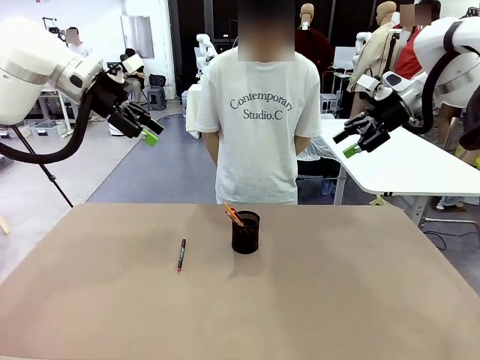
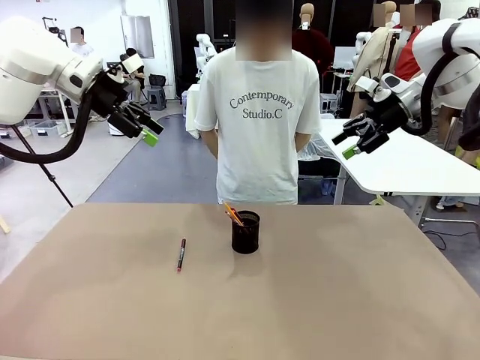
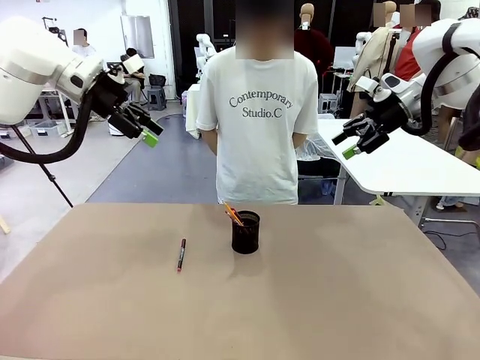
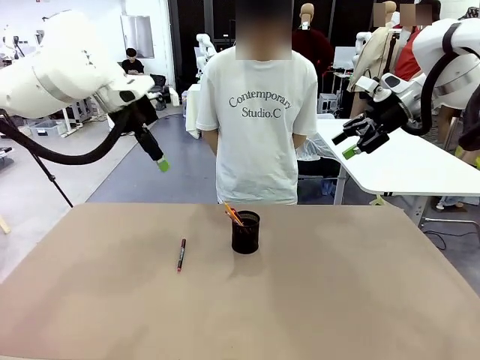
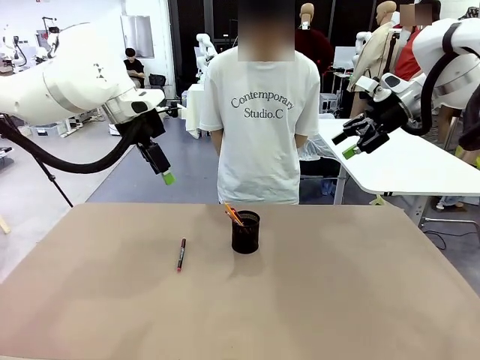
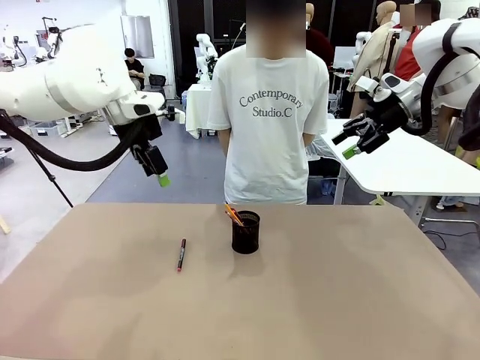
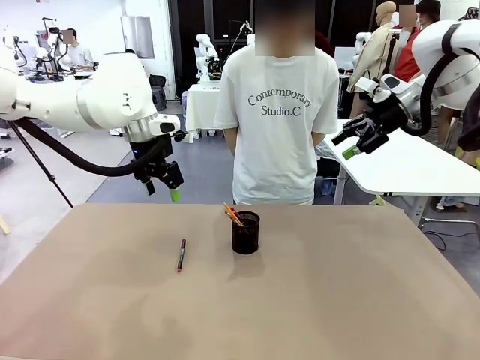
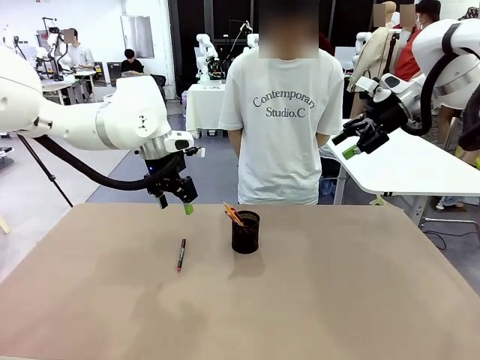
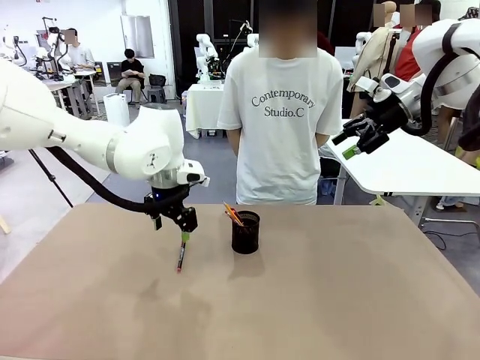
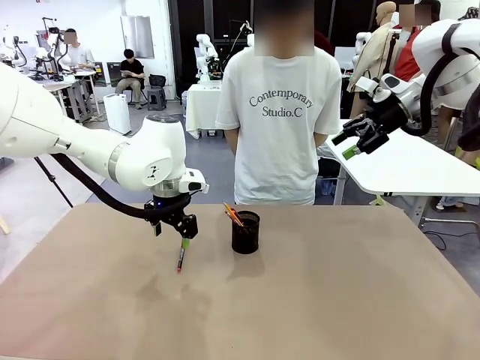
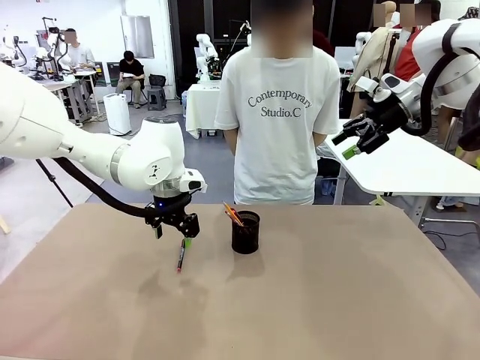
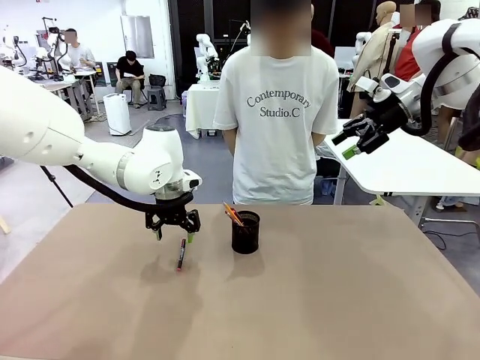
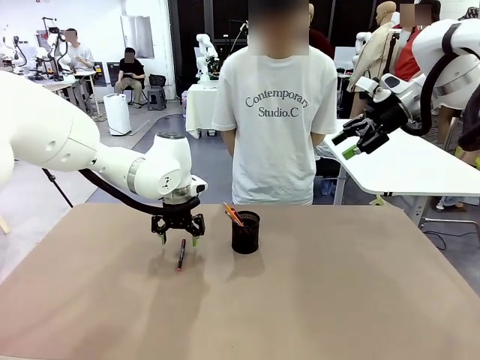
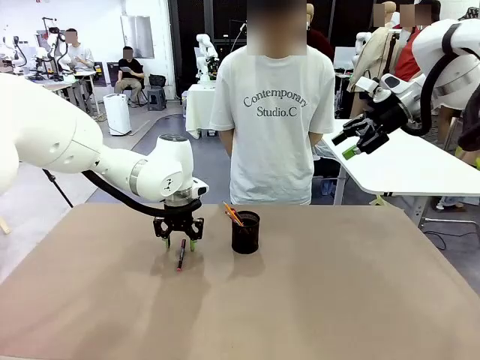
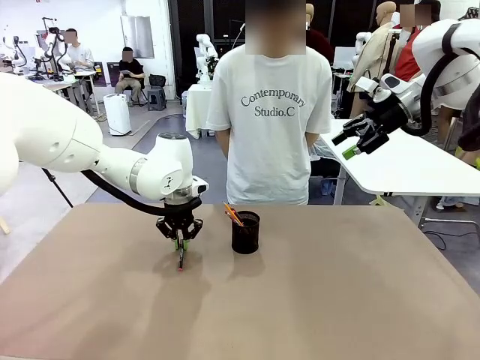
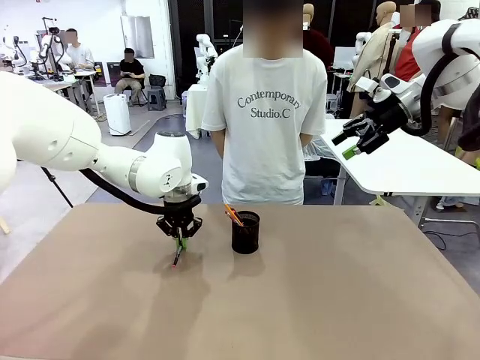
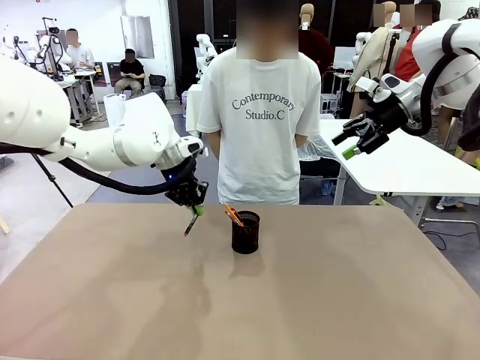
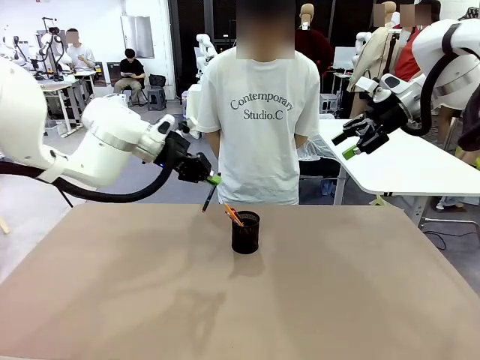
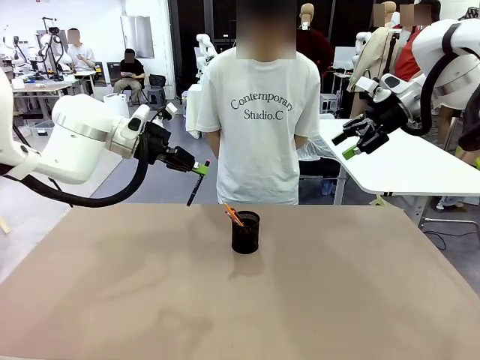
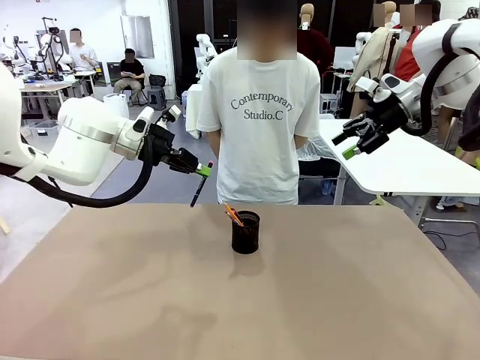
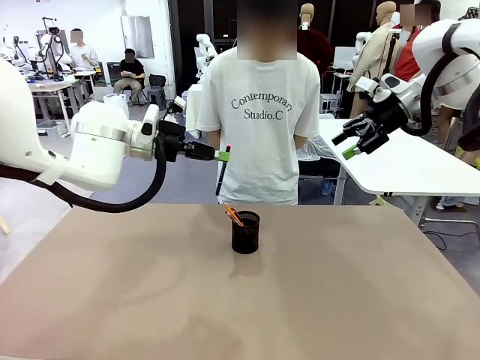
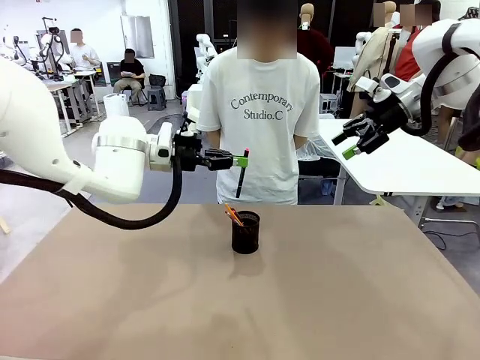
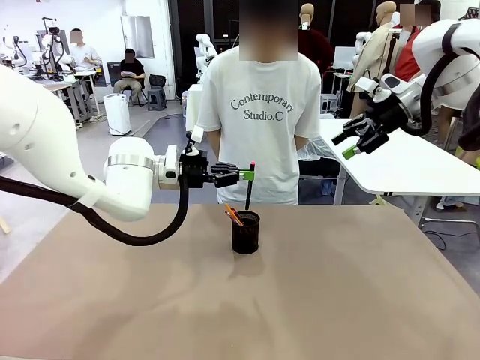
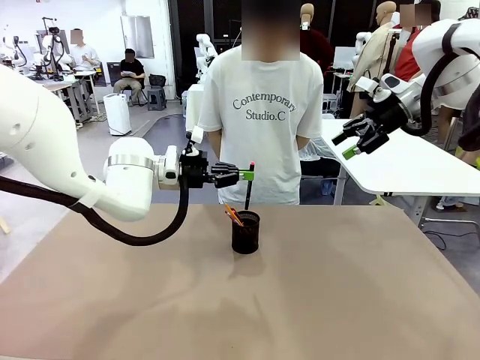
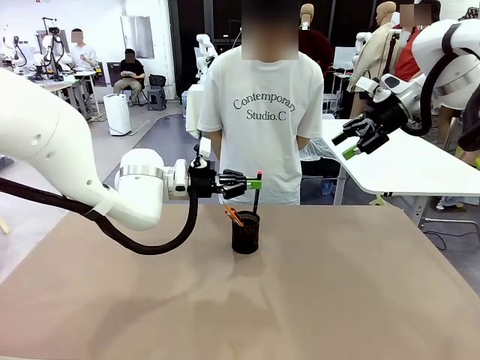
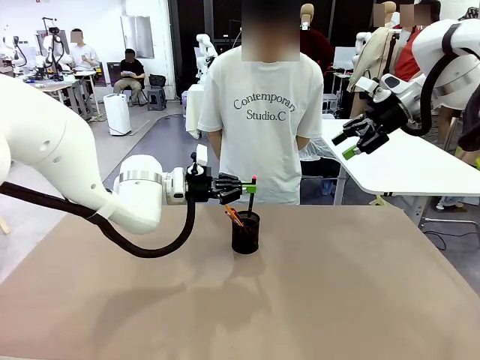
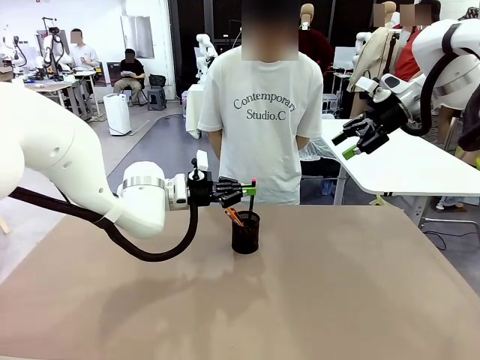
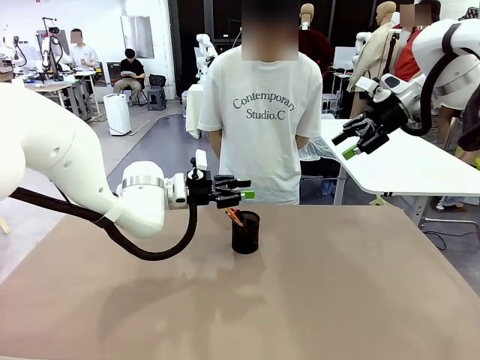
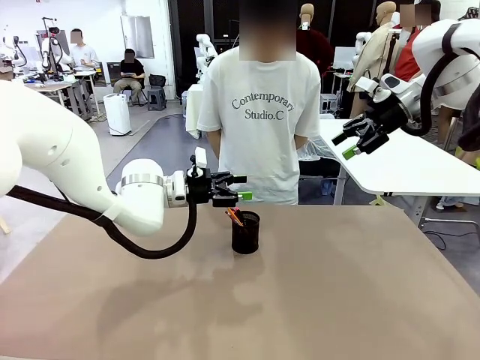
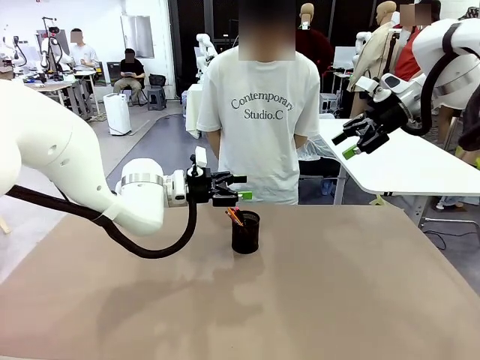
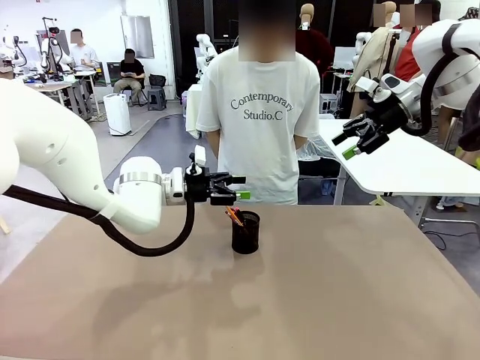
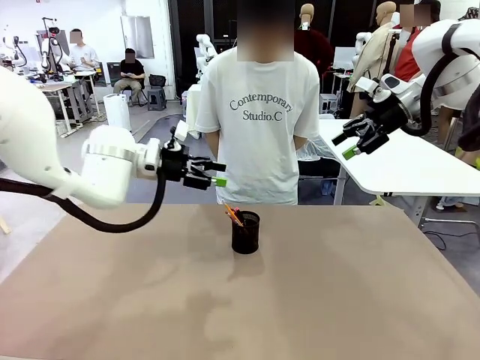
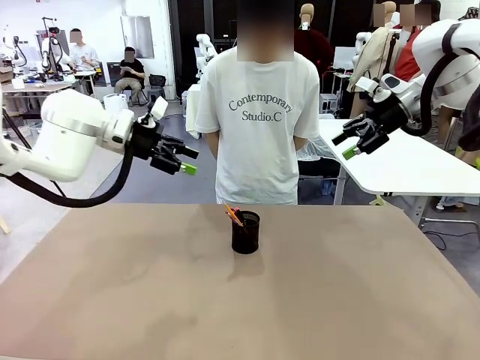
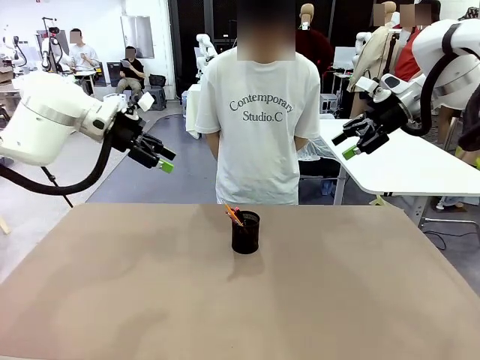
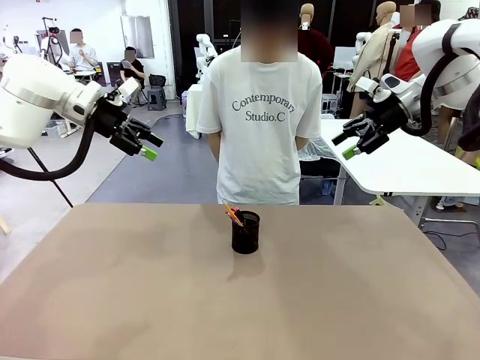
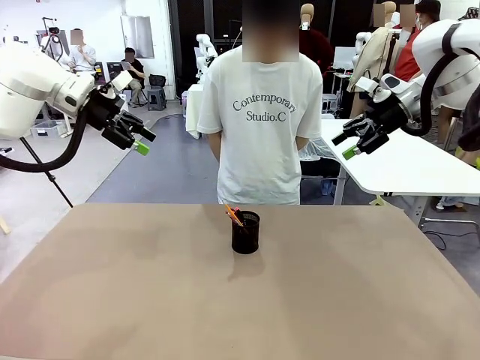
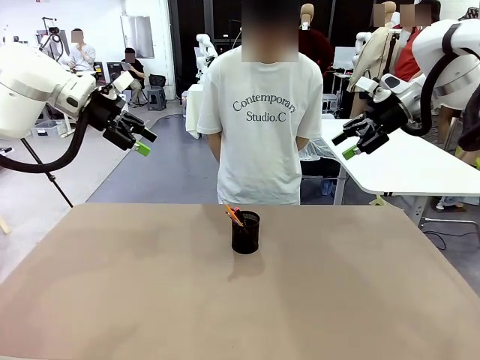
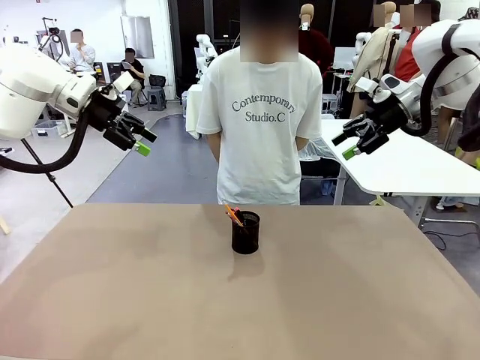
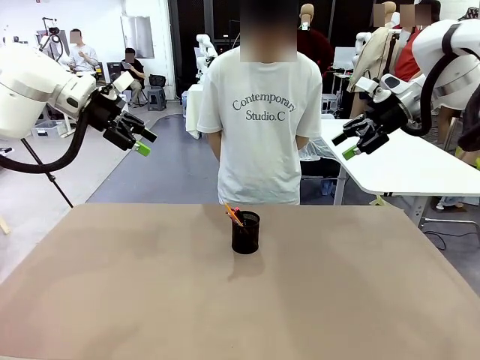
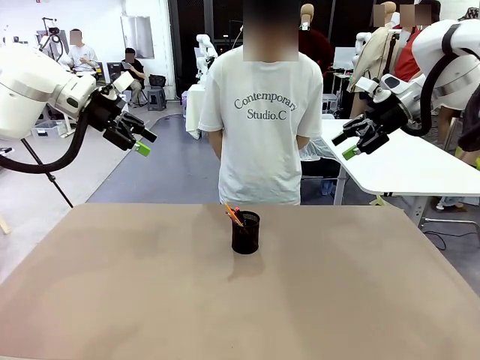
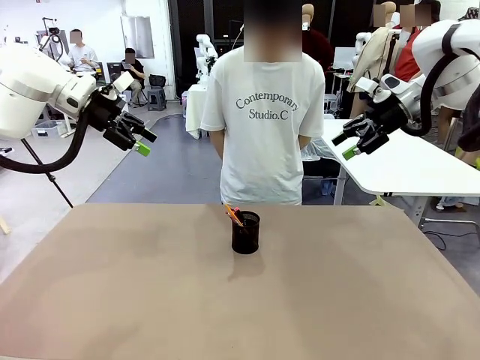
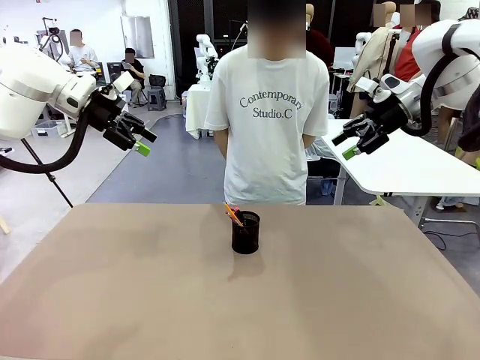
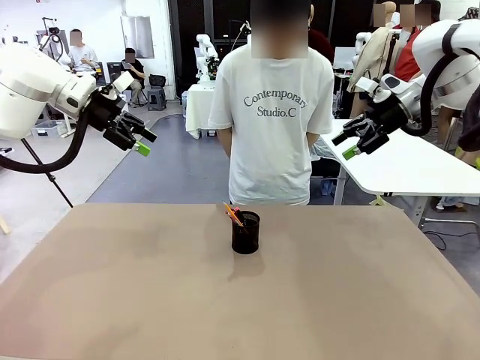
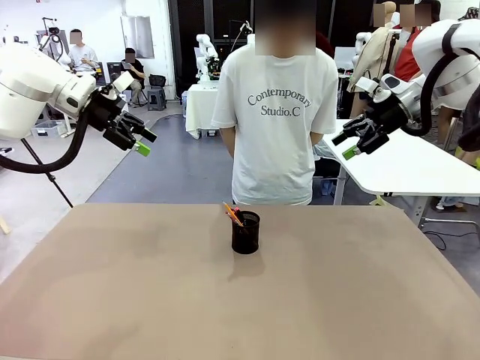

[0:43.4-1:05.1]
Task: Place the pens into the pen holder.
Robot: Pick up a writing instrument from the table and place it into the Pen holder.

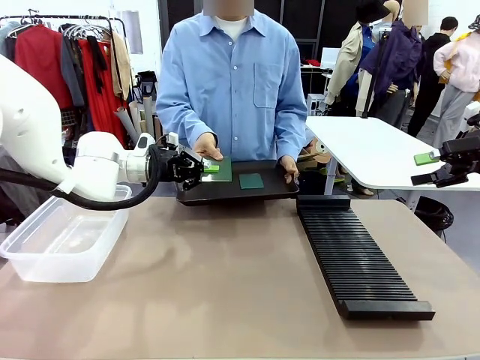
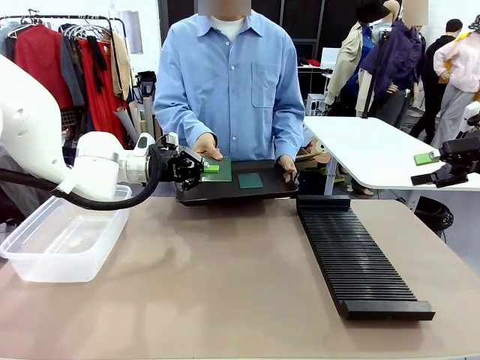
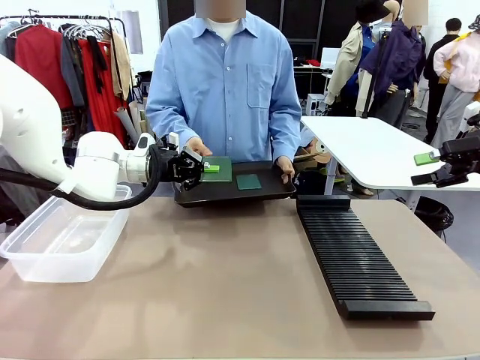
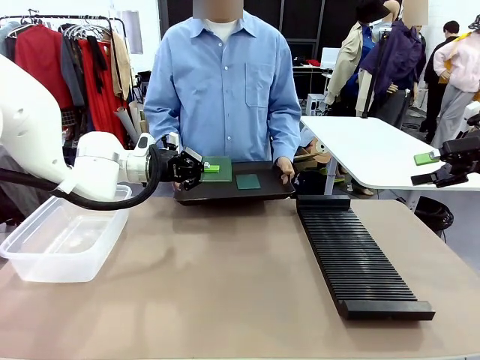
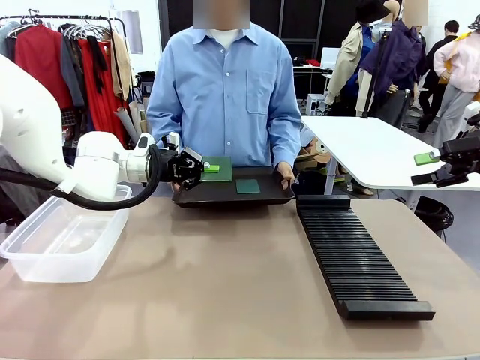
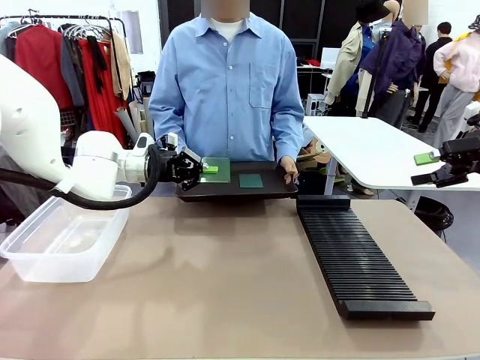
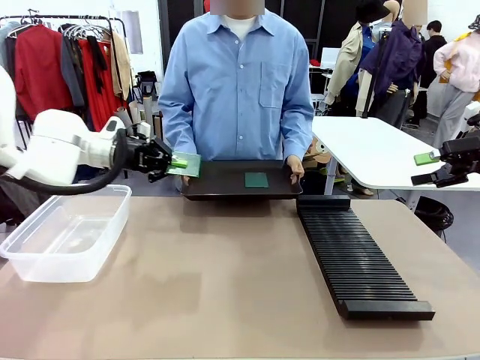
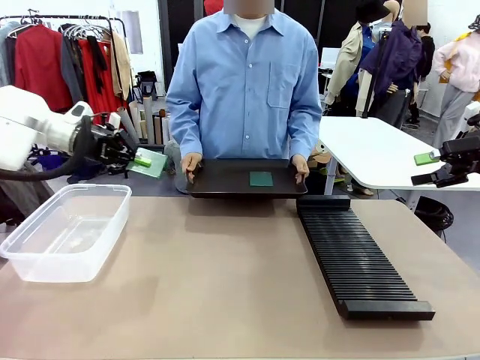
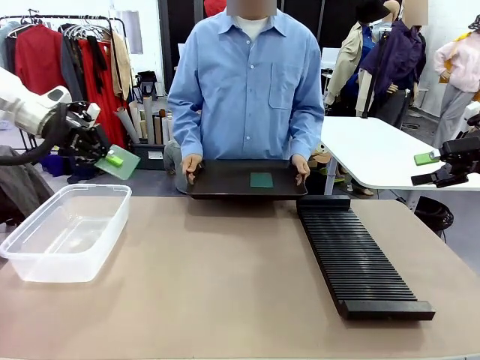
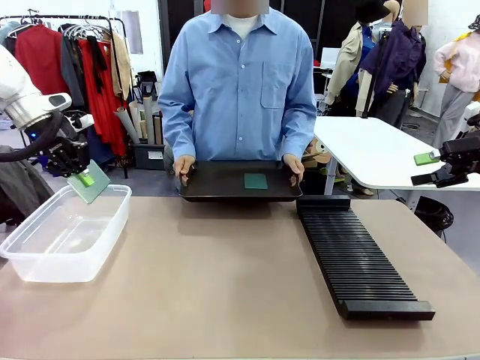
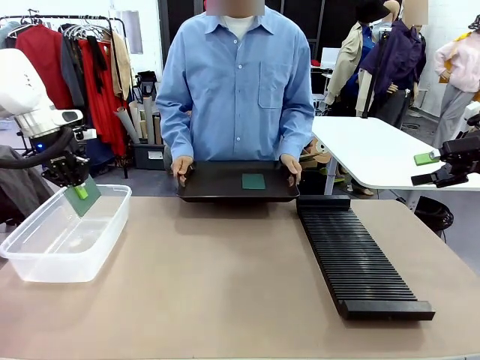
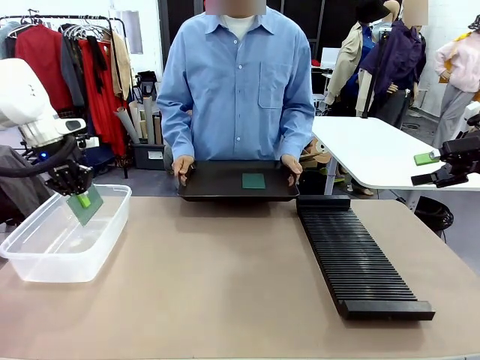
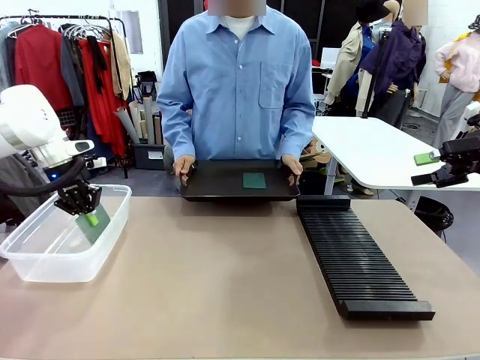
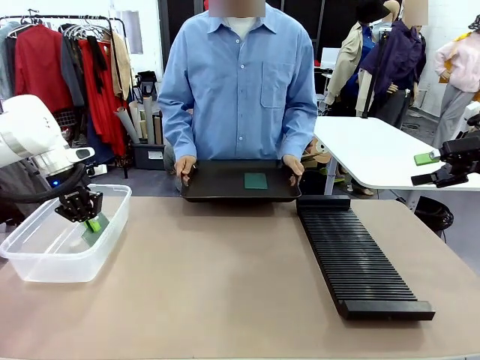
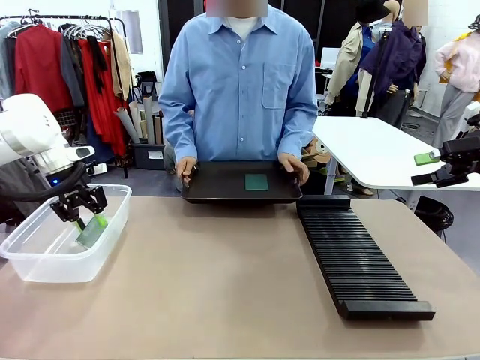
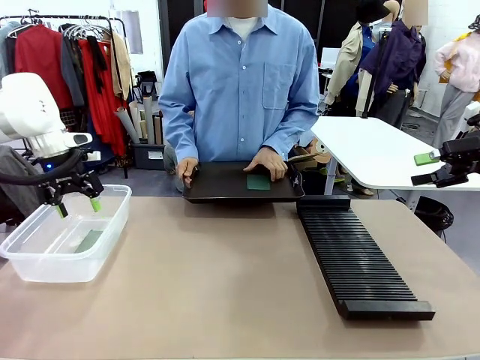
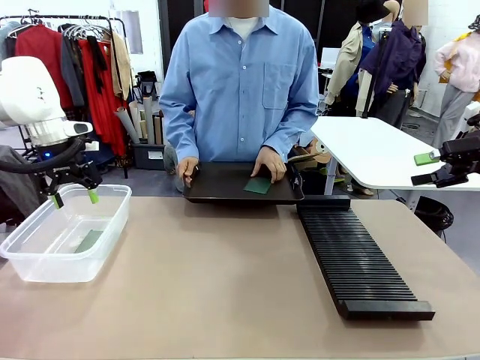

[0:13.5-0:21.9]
Task: Sort PCBs into racks and boxes based on the side picked up.
Robot: If the short side of the Blank PCB is picked up, insert it into the PCB Rack ; if the long side is picked up, place it in the Organizing box.
Person: Pick one PCB from the tray and present it to the robot.
